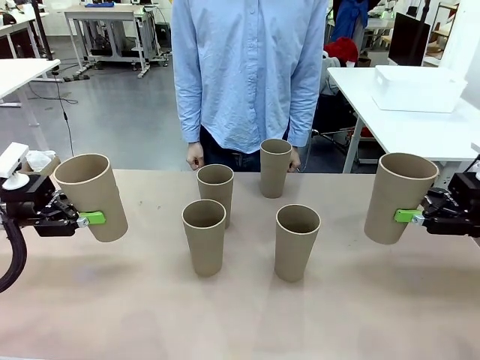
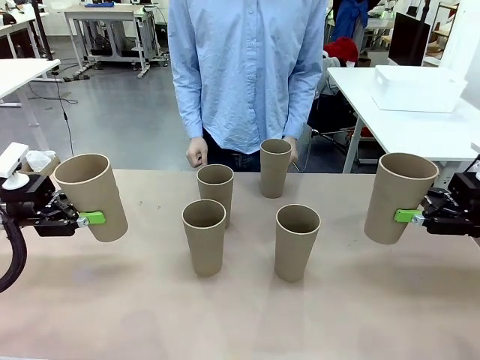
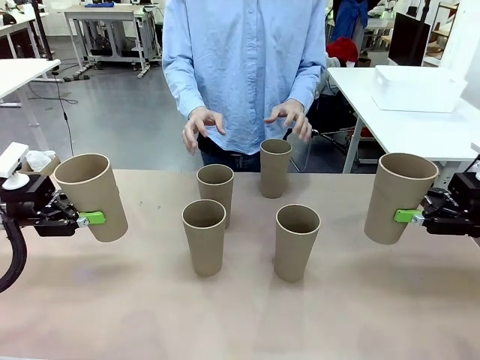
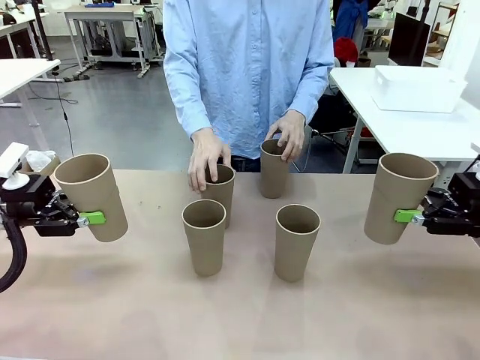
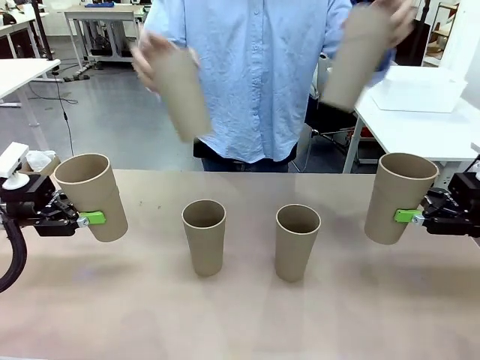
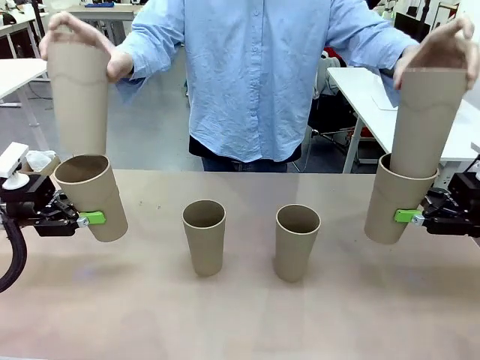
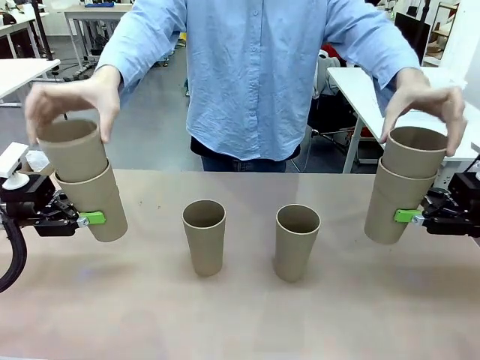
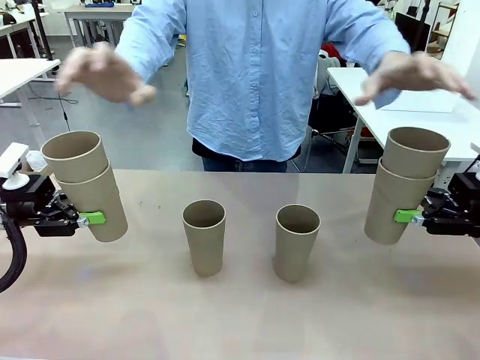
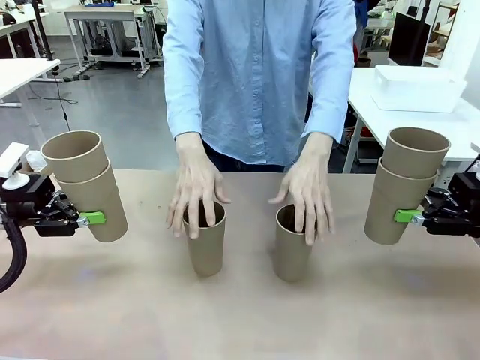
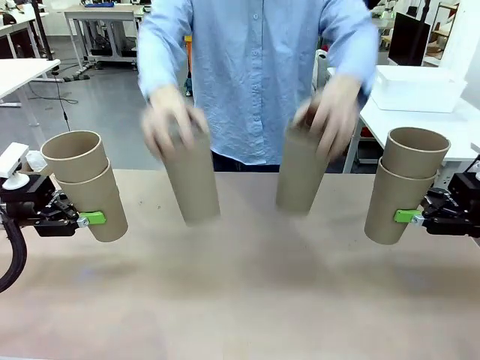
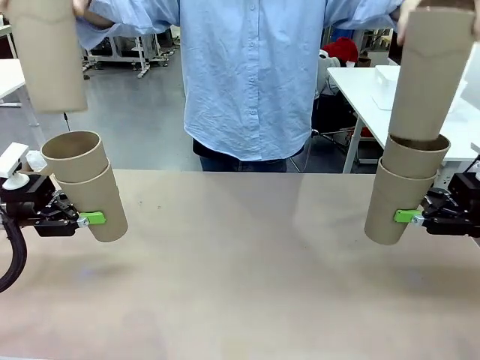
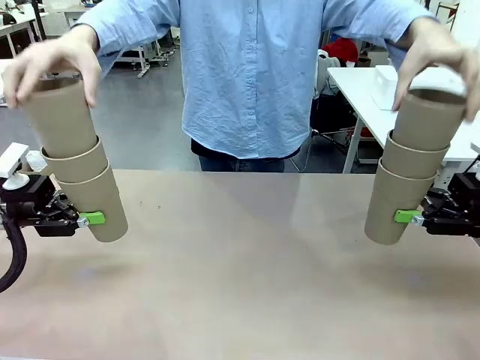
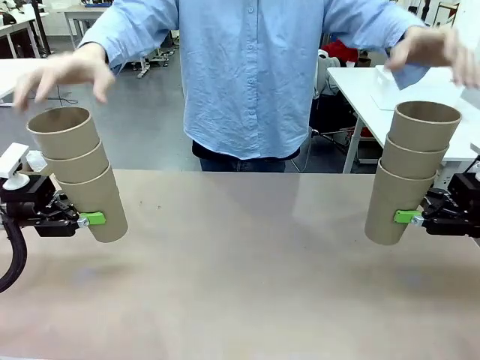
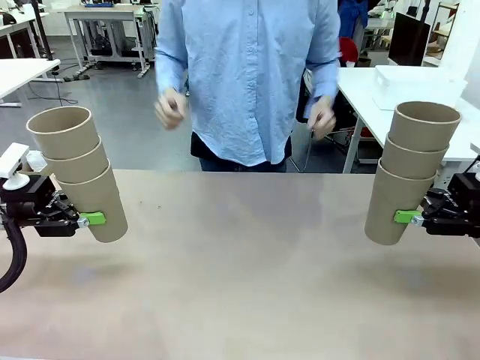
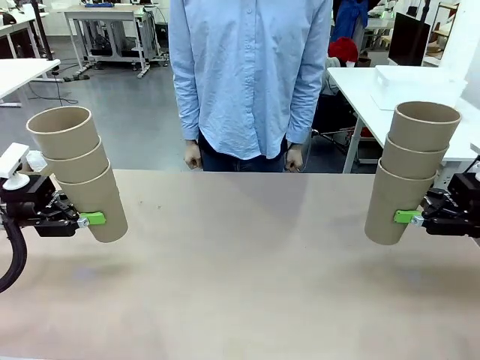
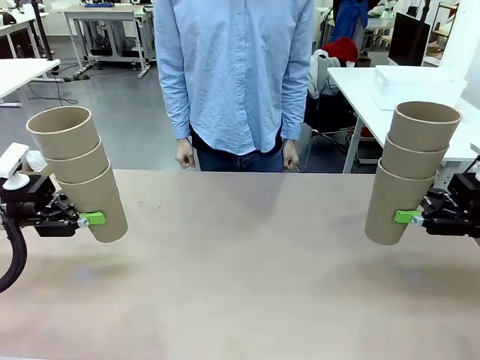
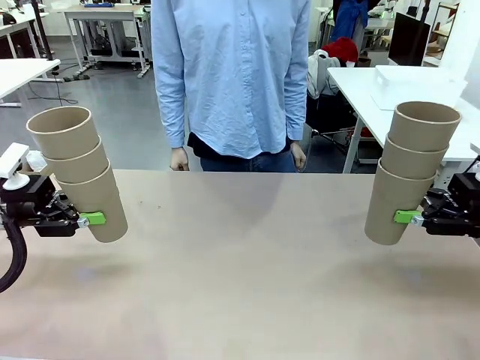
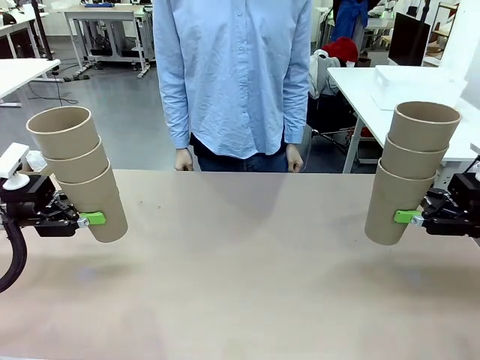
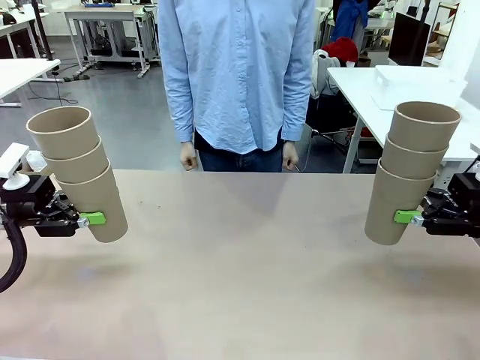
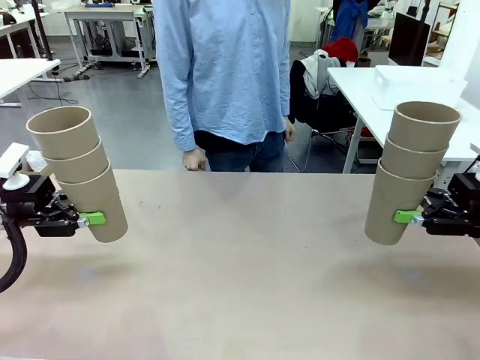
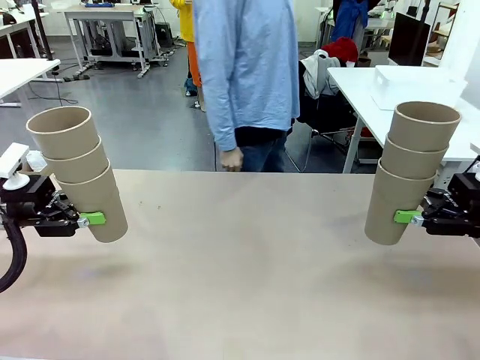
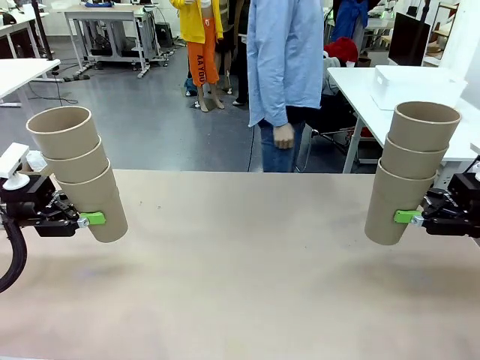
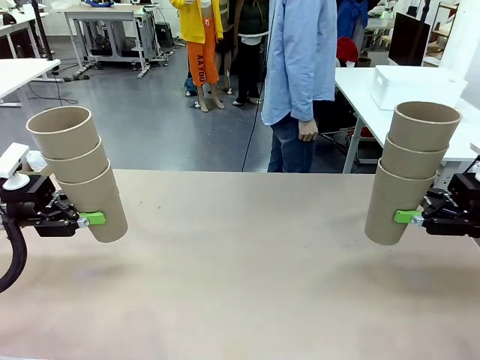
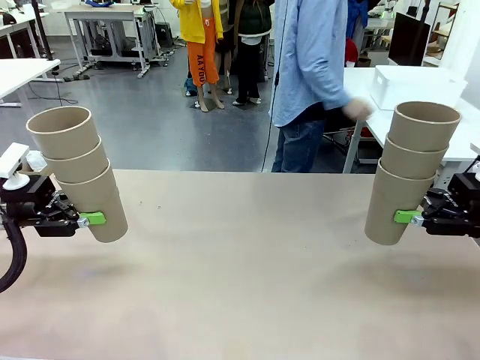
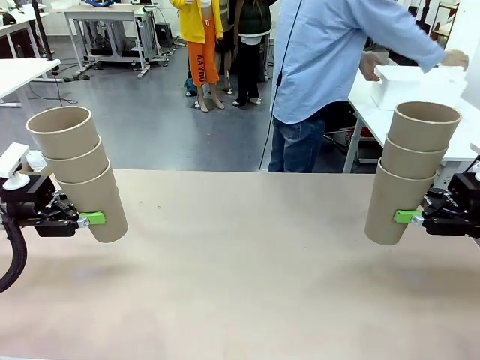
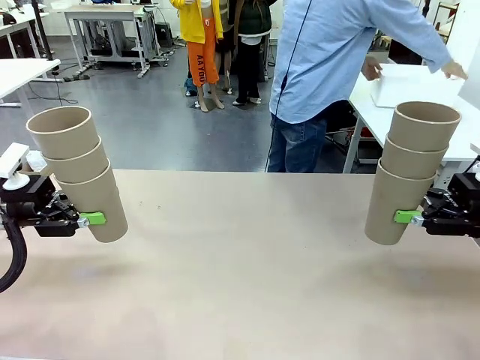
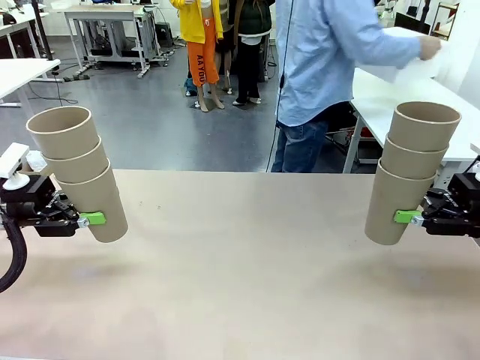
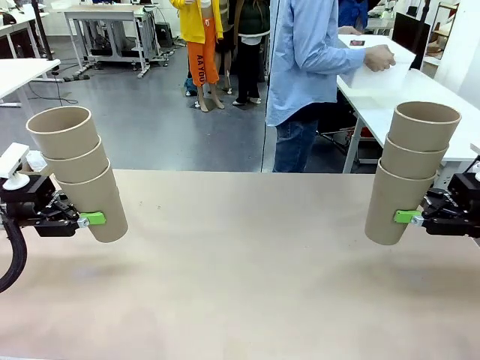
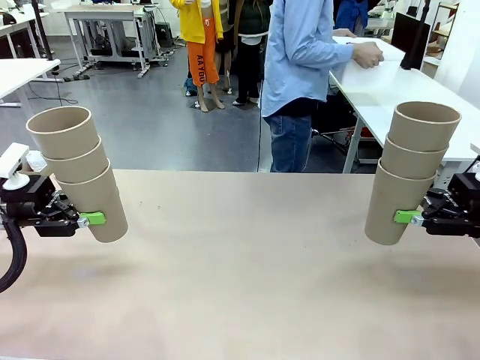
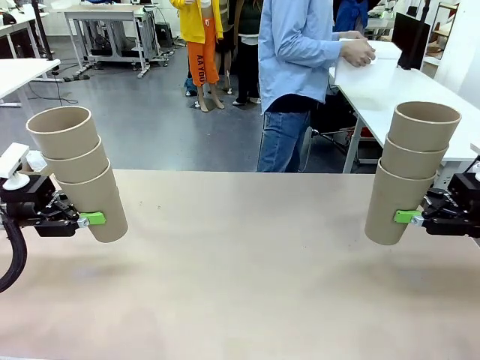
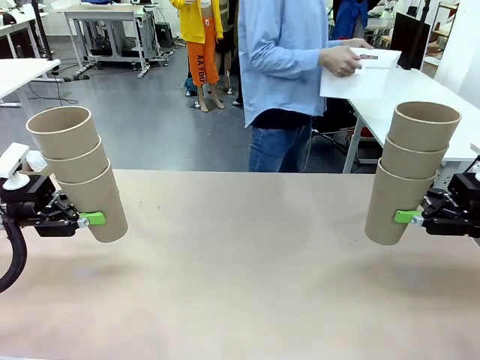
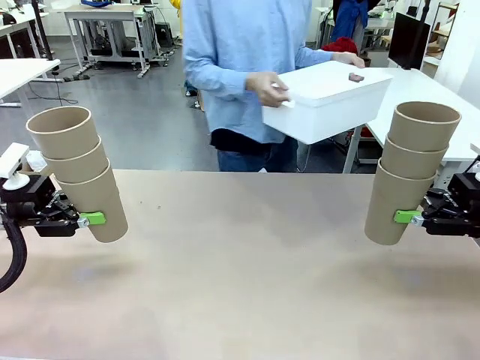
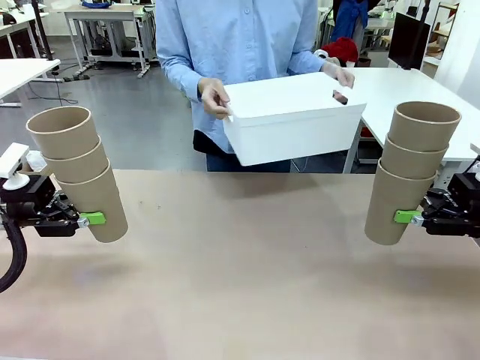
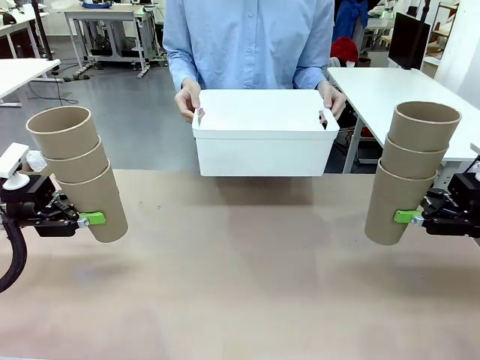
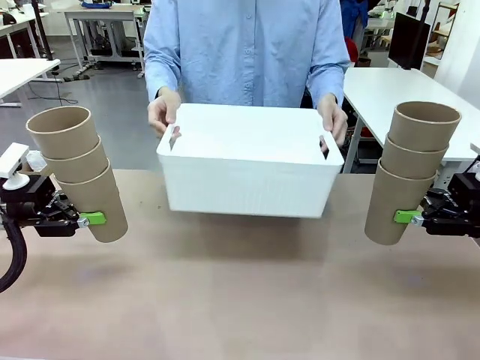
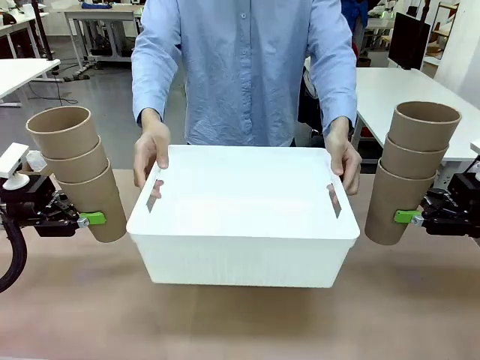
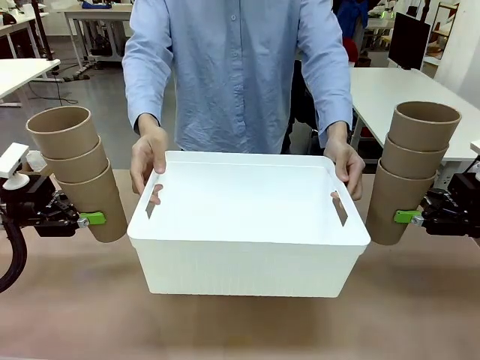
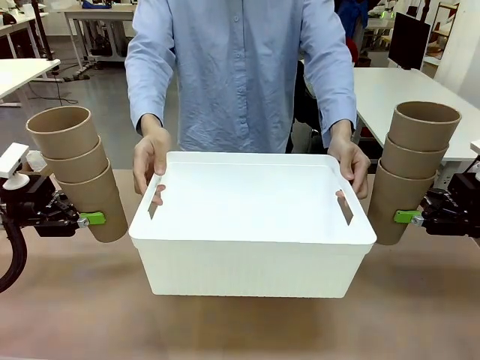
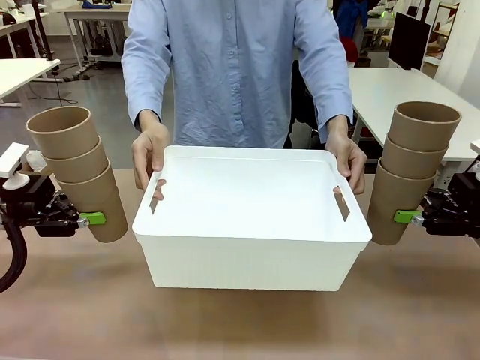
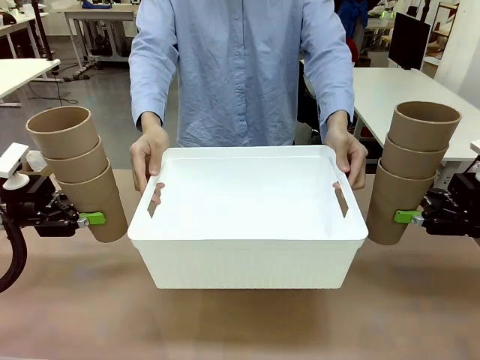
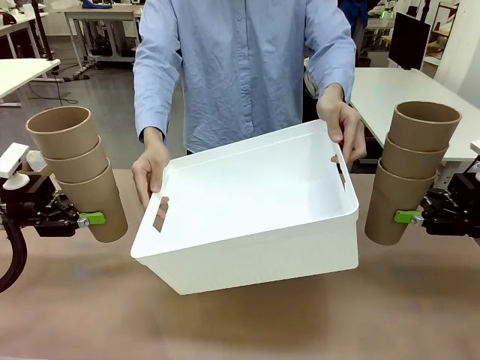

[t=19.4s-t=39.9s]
Task: Stack the cups and store them in the basket.
Robot: Place the stack of Reusable plastic cups into the Pantry Basket.
Person: Pick up the basket from the Human Table, bring it to the front of the robot, and present it.

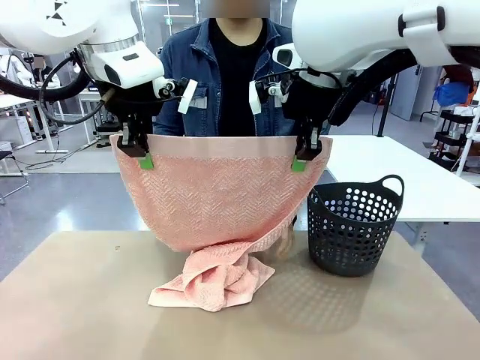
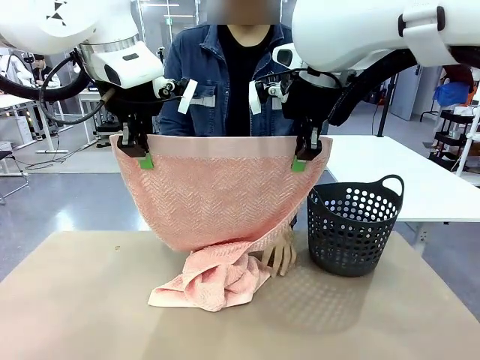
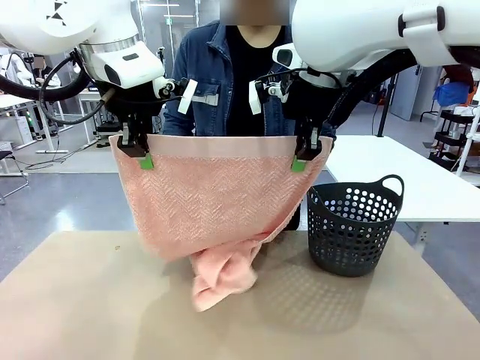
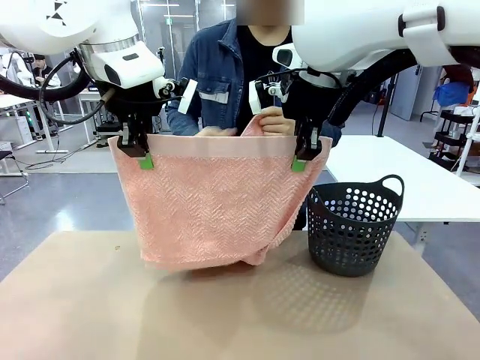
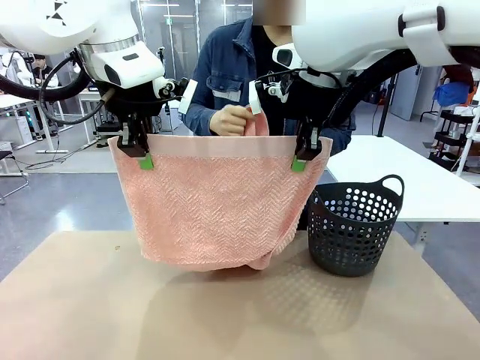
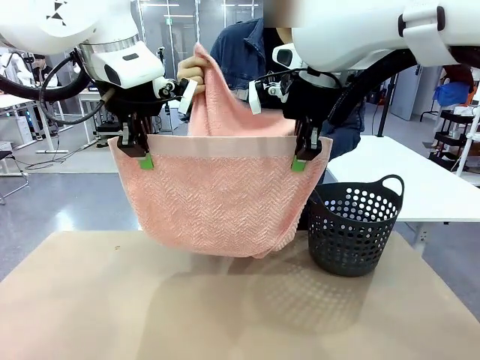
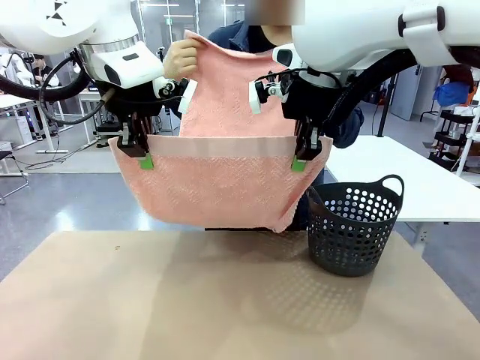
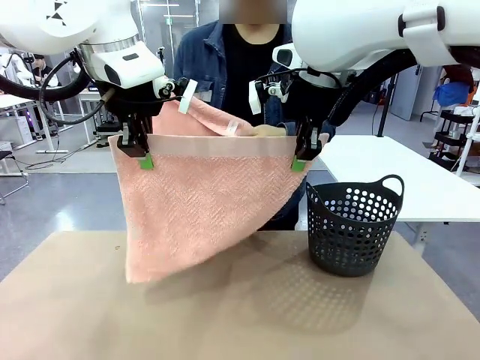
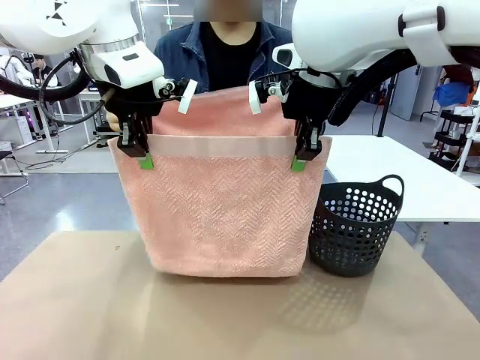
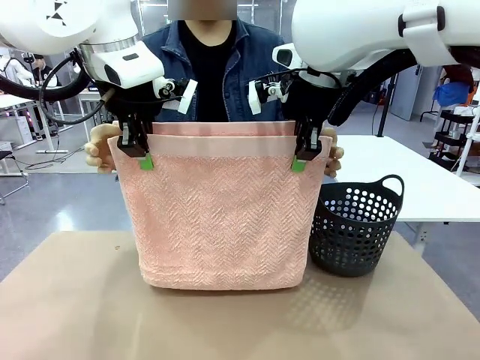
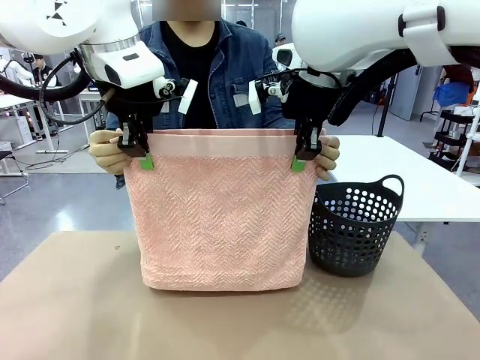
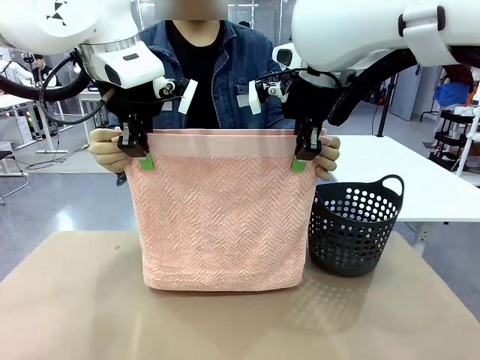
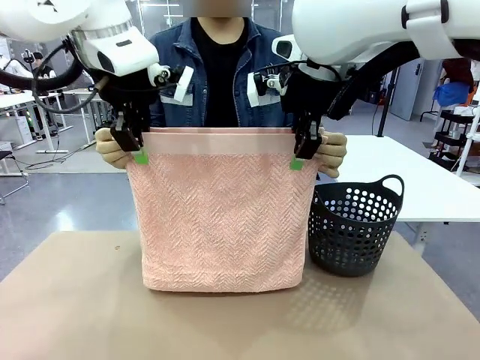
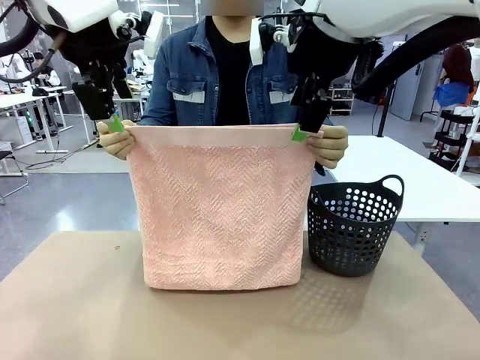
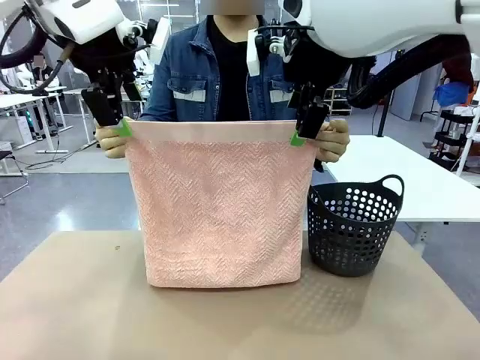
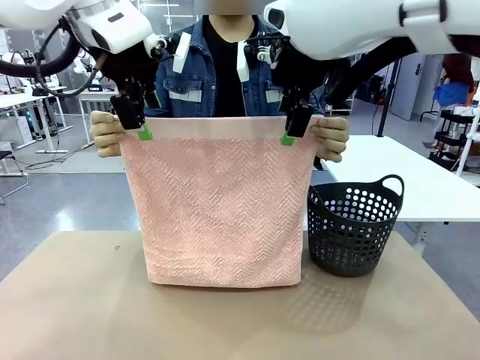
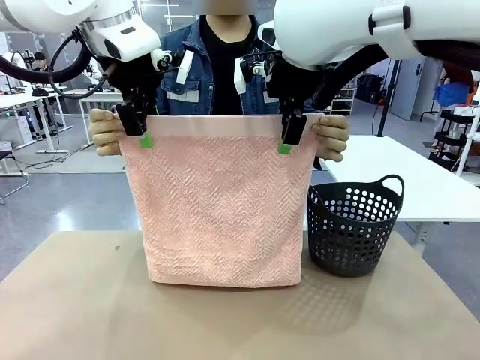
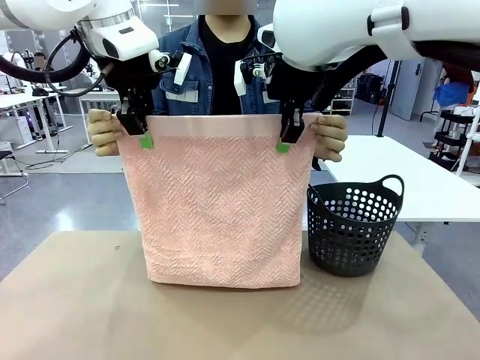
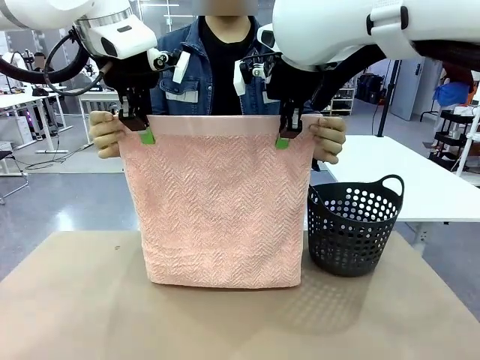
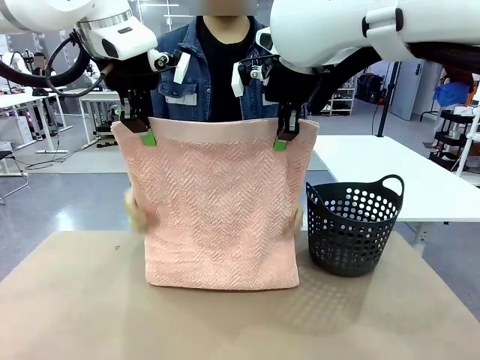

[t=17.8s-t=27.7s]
Task: Fold the towel.
Robot: Release the end of the 100 cm Hotel Towel you were holding and grab the top end of the folded side.
